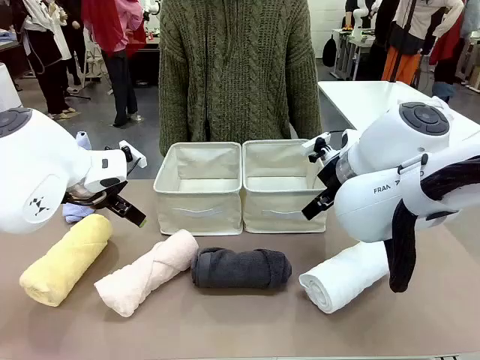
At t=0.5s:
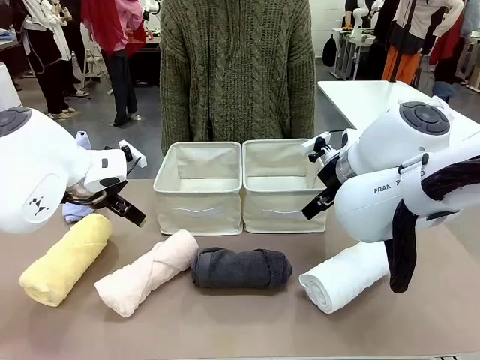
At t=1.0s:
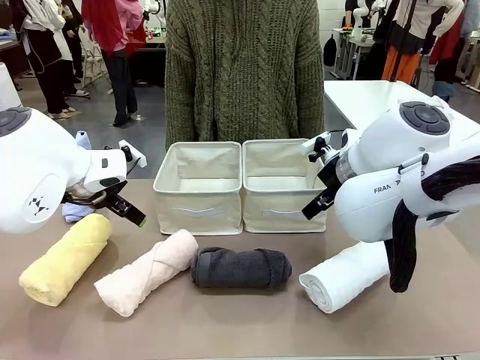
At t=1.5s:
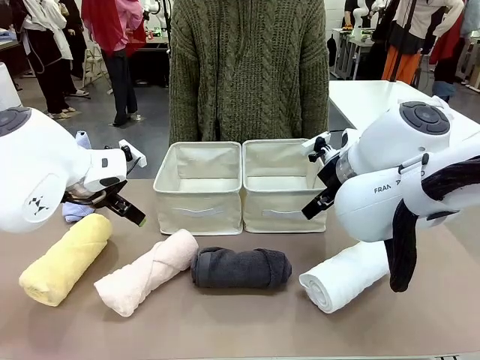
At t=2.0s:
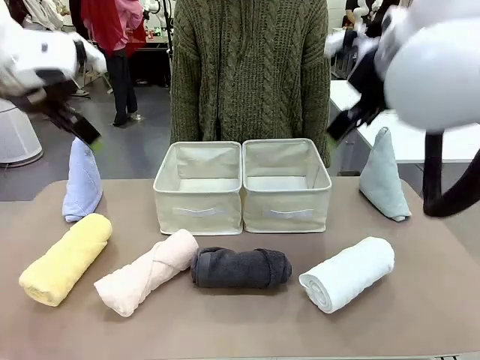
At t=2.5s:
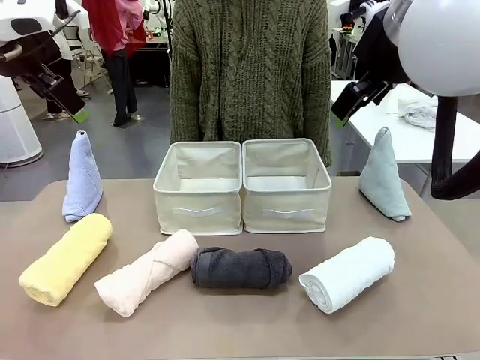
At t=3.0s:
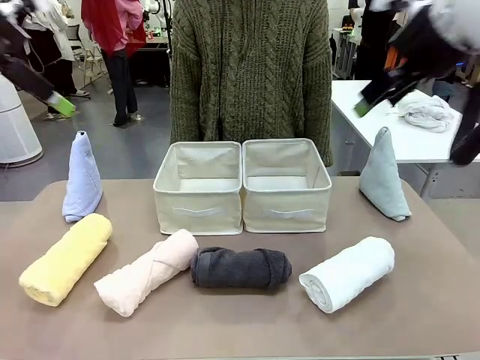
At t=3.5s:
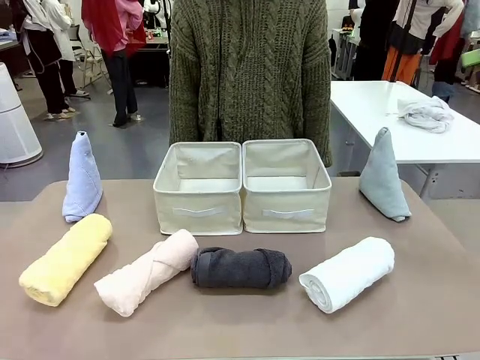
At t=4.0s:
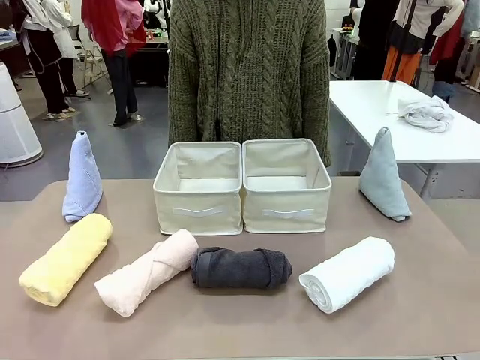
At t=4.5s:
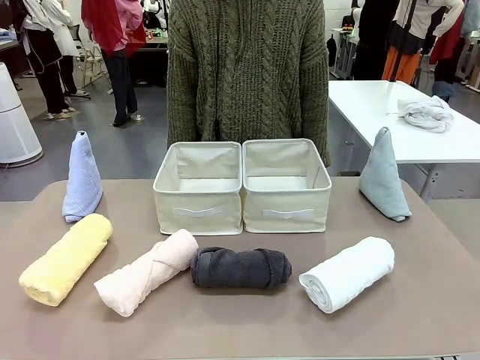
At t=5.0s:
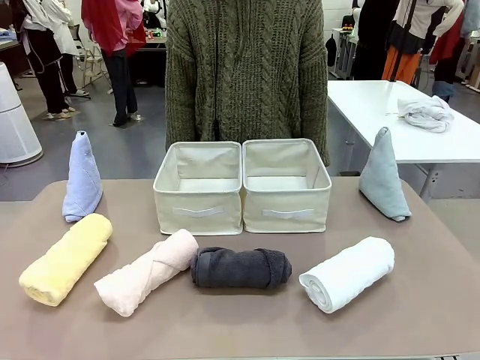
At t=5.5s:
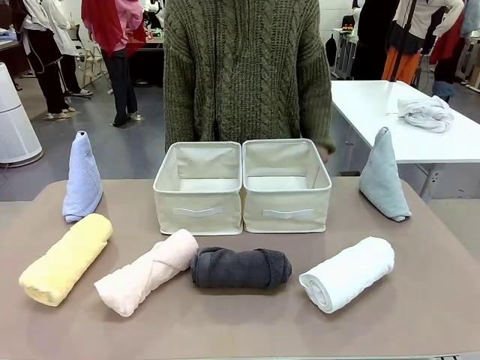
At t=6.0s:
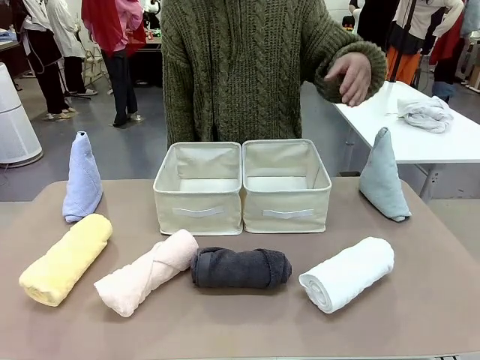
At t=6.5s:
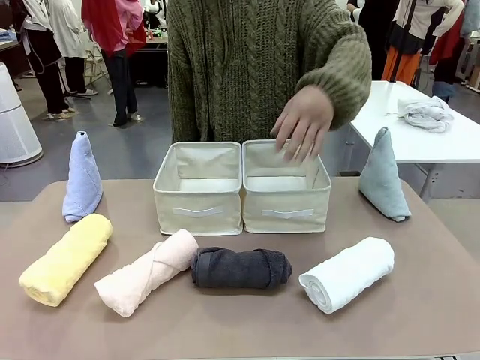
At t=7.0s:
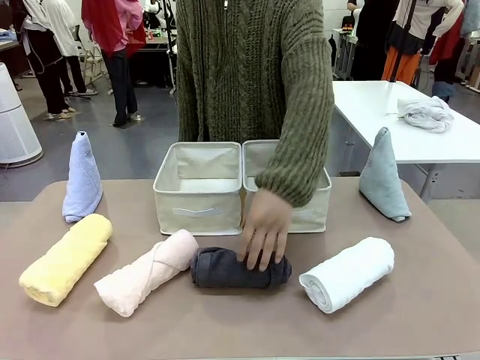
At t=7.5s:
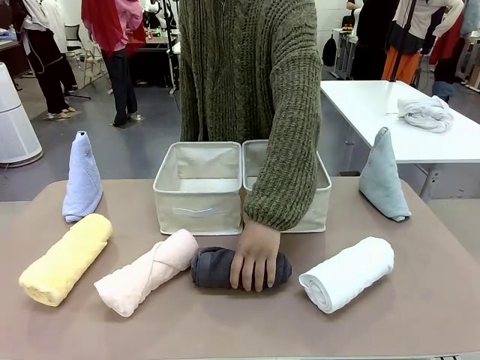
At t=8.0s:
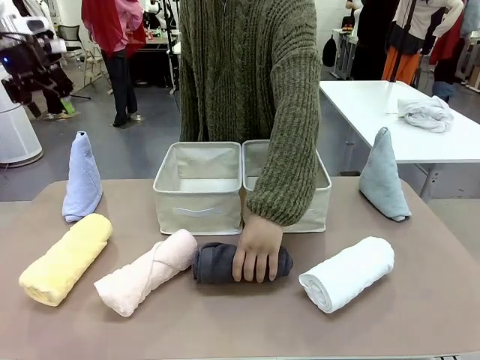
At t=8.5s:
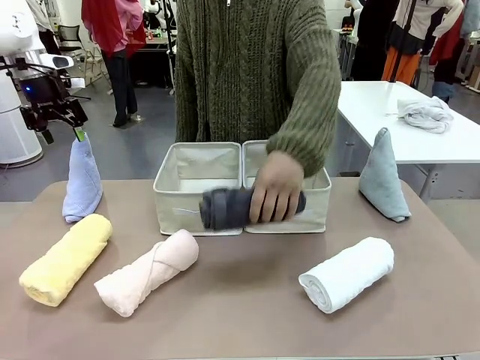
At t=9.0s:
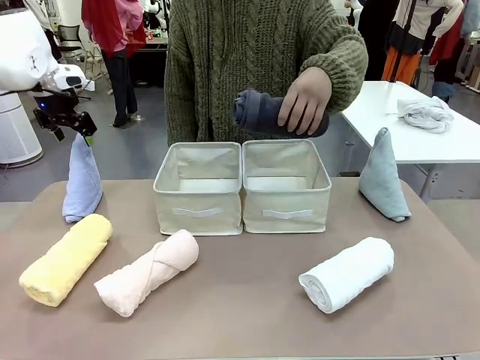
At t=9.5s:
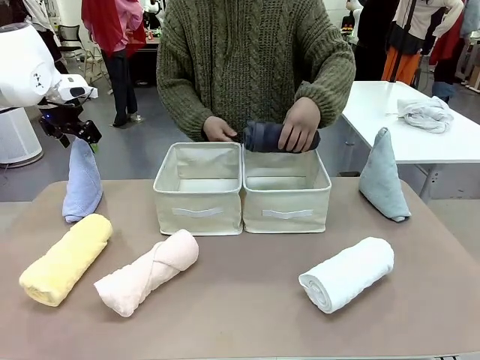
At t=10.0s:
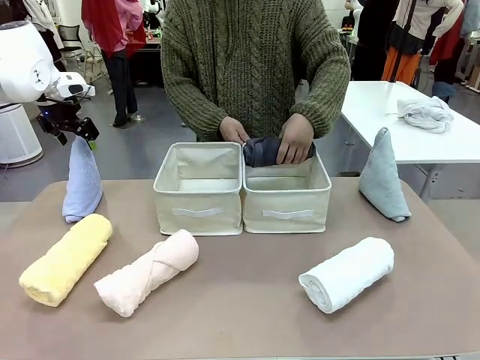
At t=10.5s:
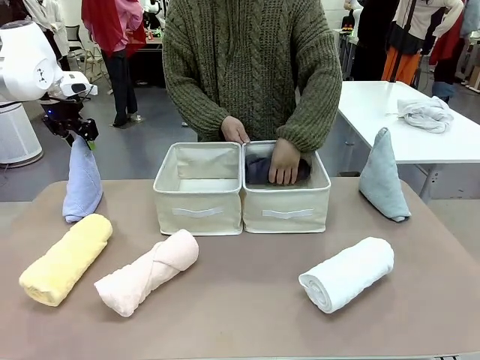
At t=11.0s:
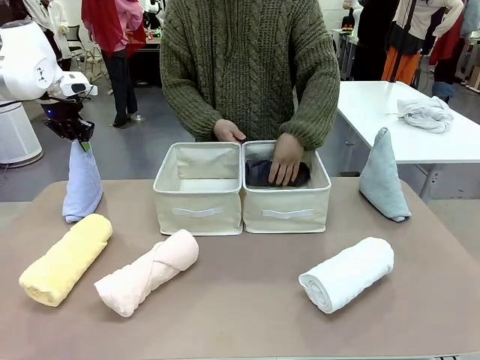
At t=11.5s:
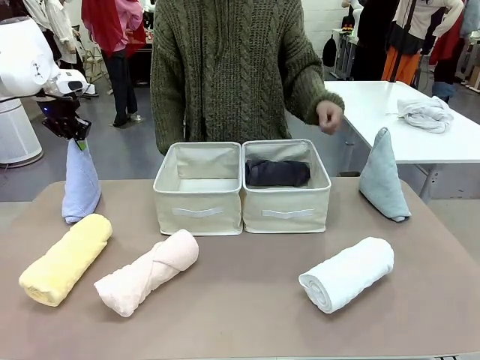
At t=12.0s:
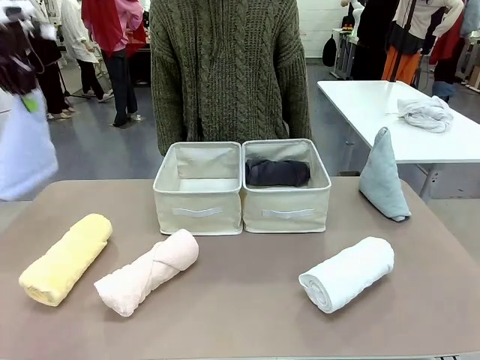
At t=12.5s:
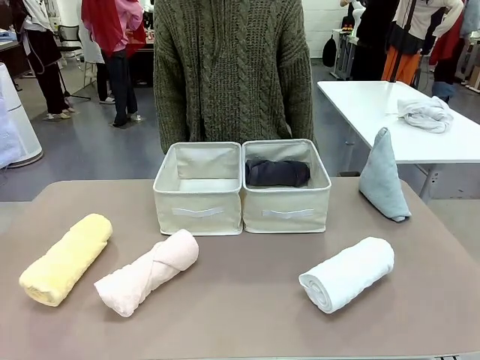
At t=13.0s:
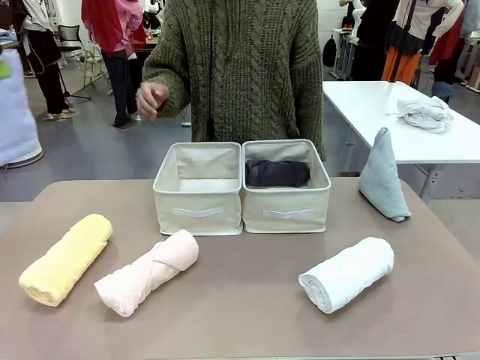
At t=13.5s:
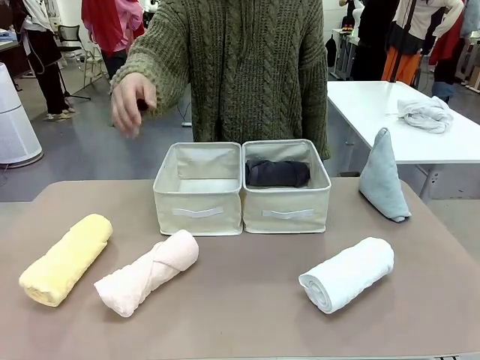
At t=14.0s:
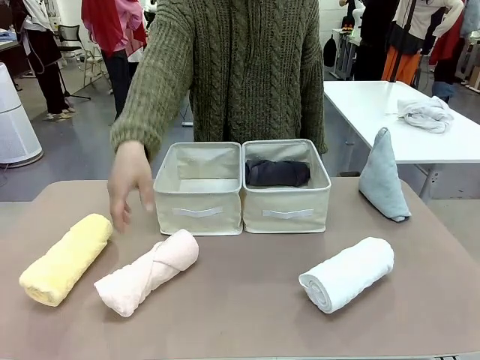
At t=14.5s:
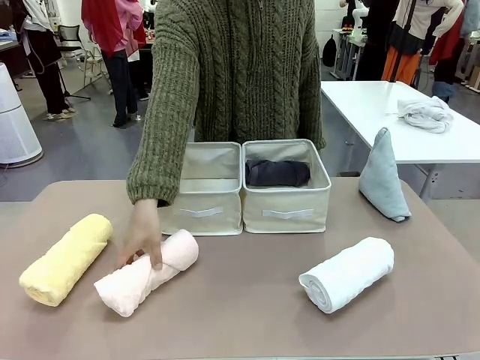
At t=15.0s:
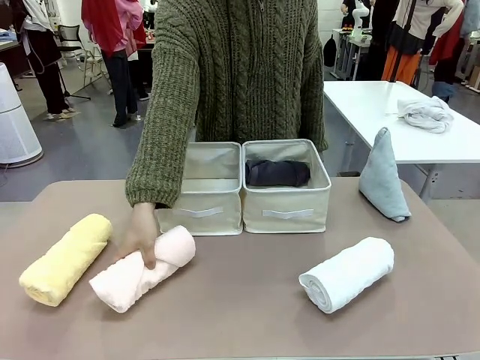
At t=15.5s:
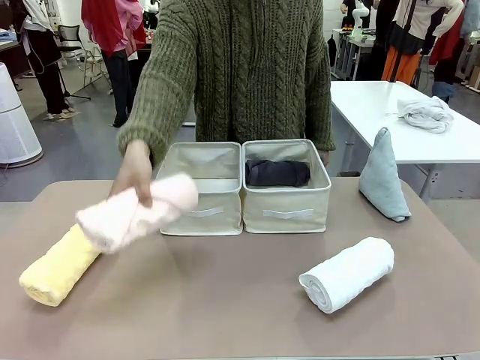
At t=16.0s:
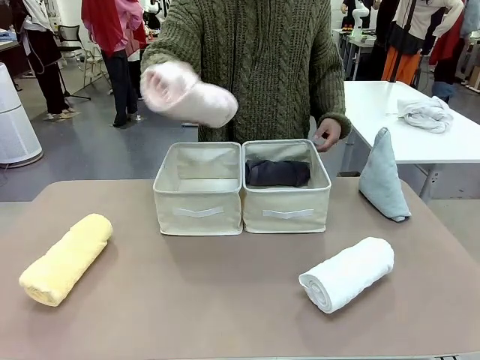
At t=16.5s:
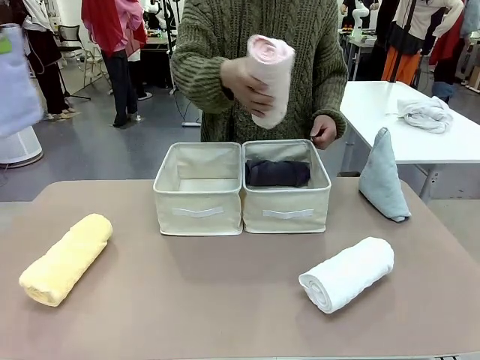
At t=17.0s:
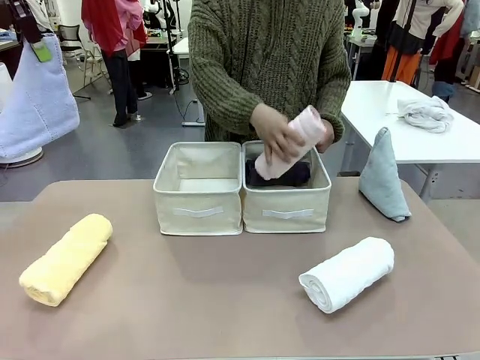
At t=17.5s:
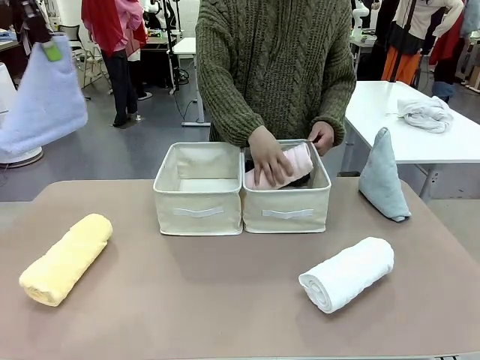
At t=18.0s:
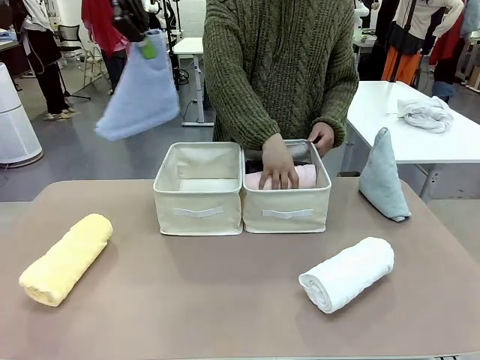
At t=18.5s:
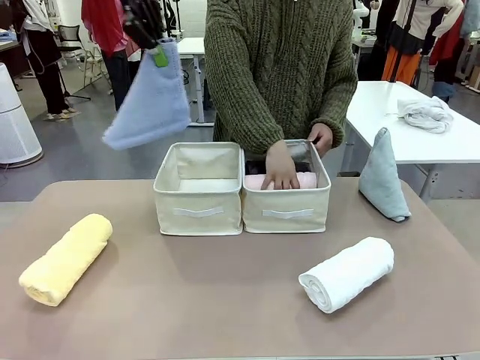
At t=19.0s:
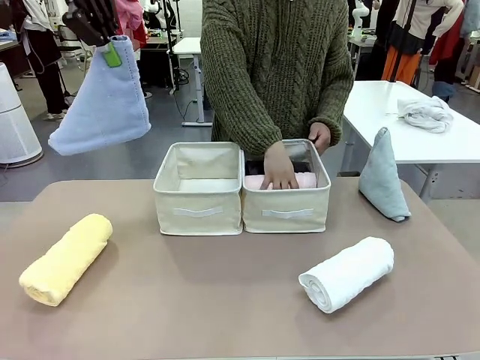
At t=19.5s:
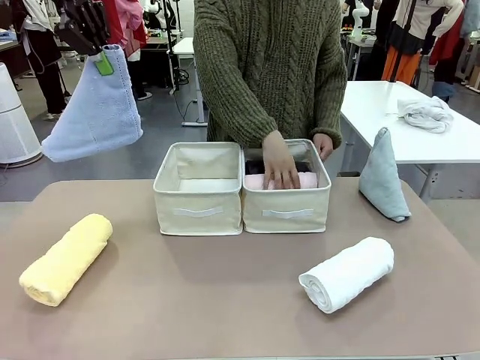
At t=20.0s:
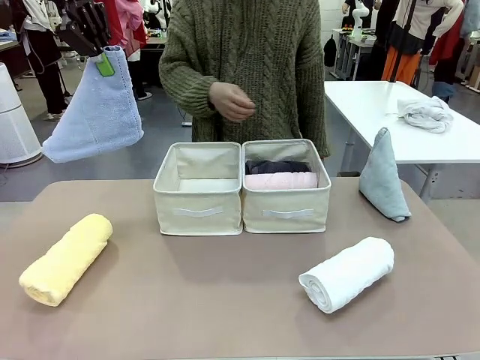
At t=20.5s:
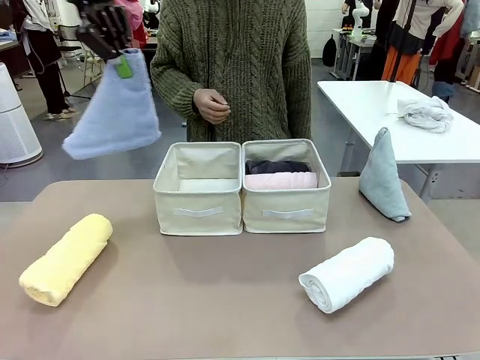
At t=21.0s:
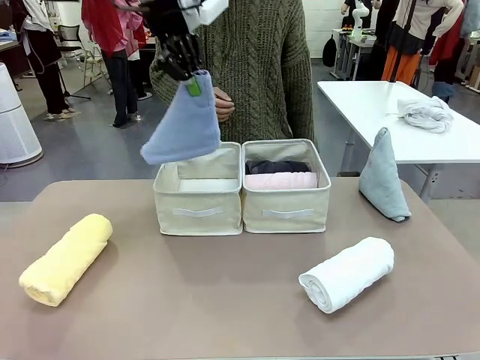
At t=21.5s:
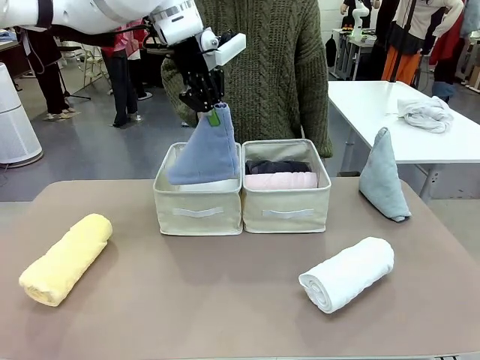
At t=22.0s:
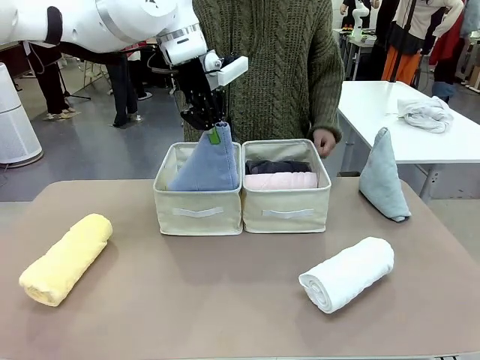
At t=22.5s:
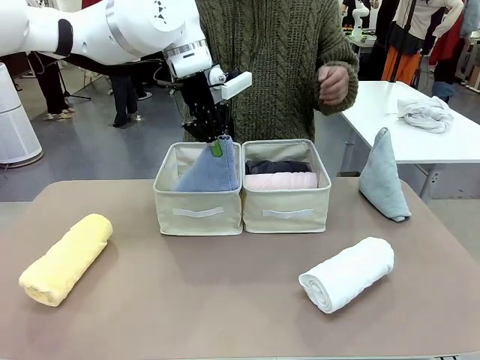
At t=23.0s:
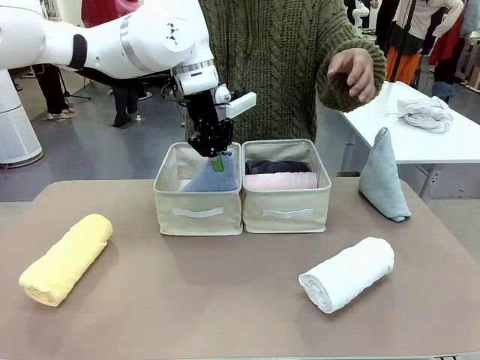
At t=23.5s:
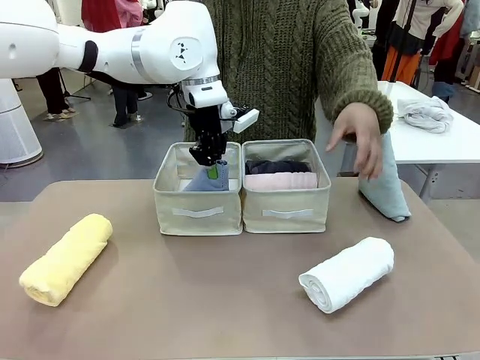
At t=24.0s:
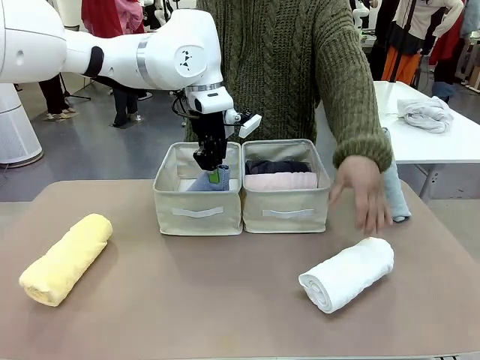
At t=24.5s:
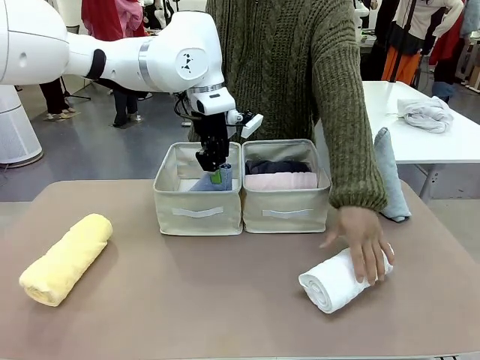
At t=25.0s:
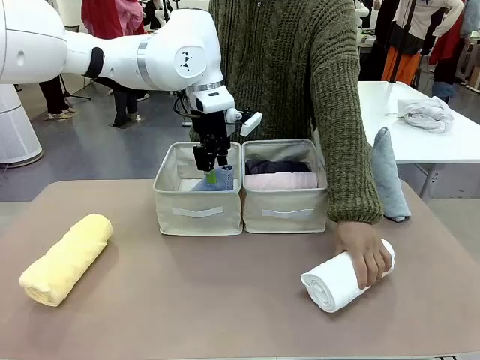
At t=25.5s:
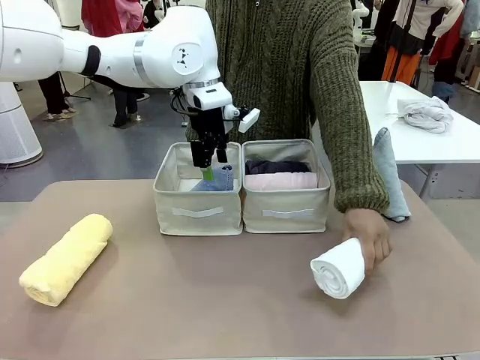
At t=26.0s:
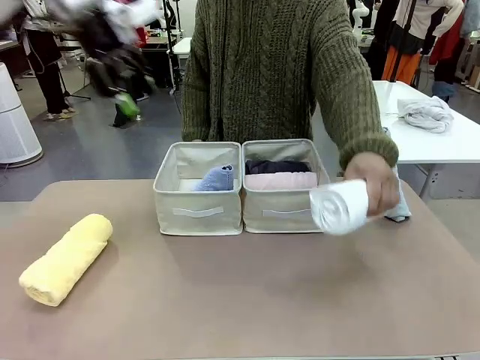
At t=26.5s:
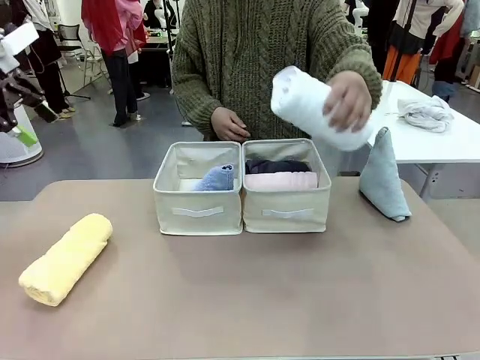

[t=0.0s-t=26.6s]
Task: Sort the towels based on their folding style.
Robot: Pick up one triangle-folded towel and place it in the left Fabric basket.
Person: Pick up one hotel-style rolled towel and place it in the left fabric basket.
